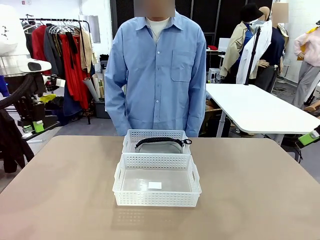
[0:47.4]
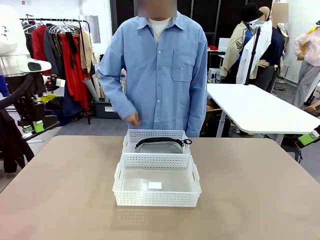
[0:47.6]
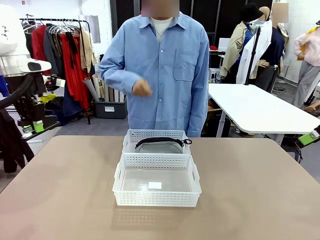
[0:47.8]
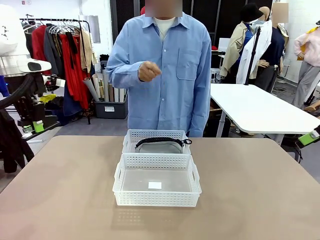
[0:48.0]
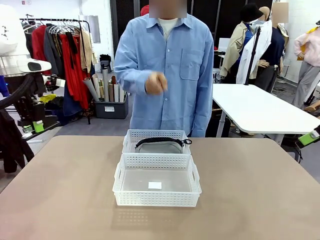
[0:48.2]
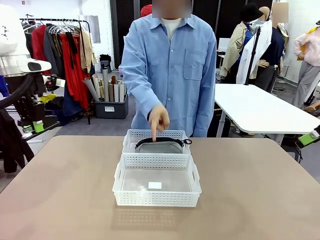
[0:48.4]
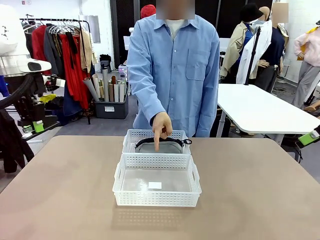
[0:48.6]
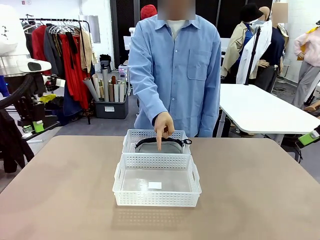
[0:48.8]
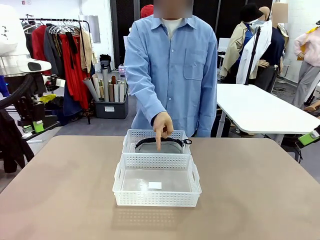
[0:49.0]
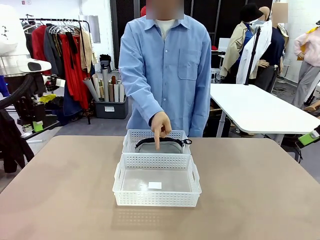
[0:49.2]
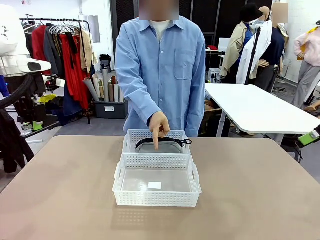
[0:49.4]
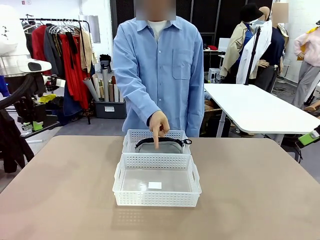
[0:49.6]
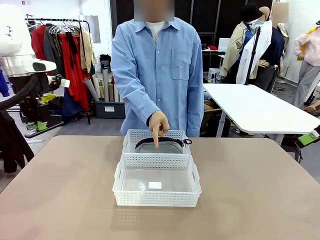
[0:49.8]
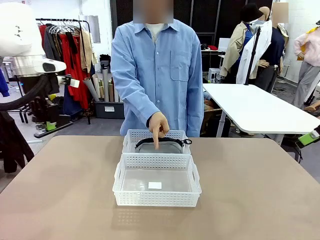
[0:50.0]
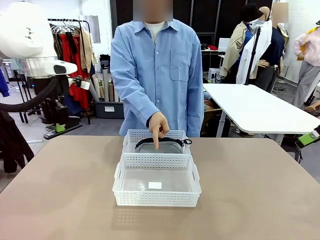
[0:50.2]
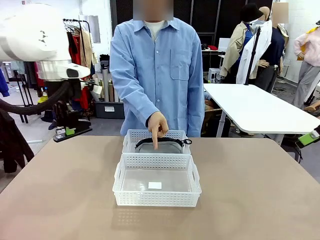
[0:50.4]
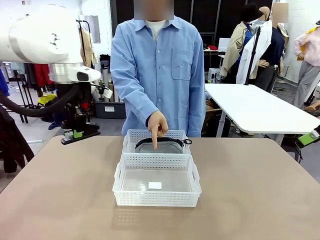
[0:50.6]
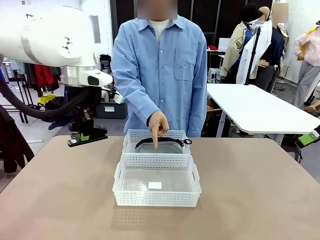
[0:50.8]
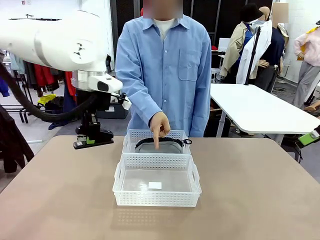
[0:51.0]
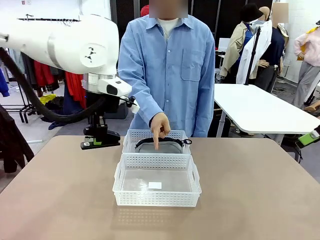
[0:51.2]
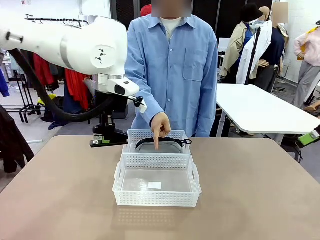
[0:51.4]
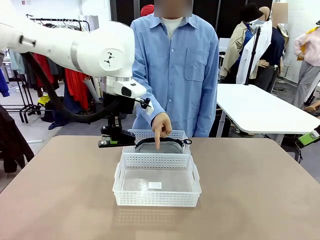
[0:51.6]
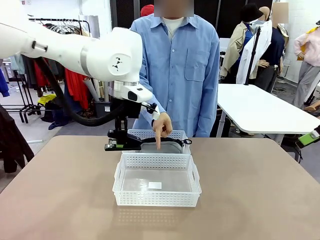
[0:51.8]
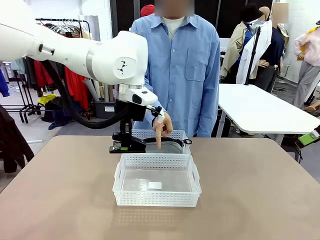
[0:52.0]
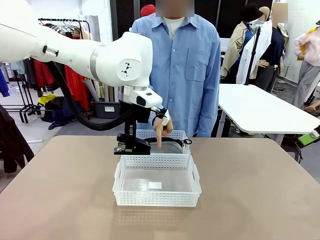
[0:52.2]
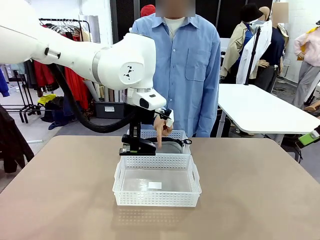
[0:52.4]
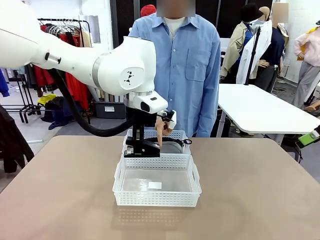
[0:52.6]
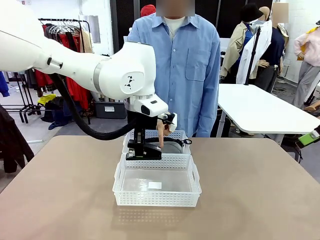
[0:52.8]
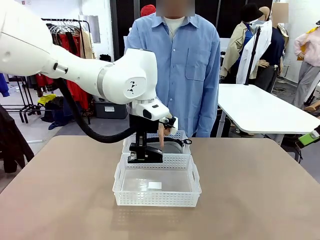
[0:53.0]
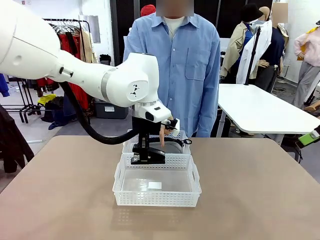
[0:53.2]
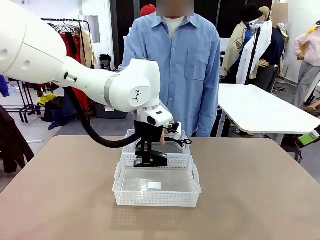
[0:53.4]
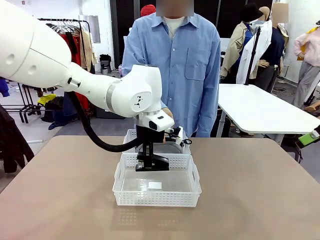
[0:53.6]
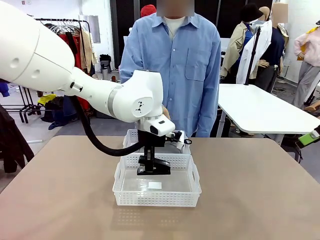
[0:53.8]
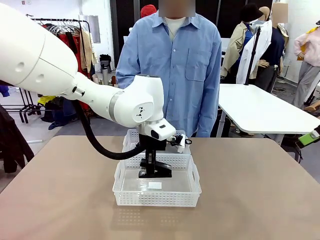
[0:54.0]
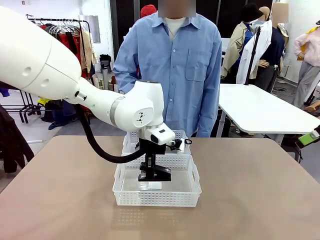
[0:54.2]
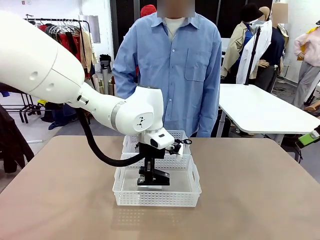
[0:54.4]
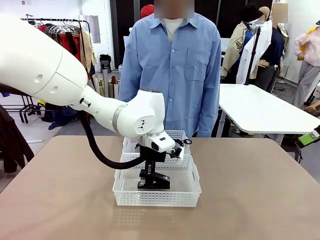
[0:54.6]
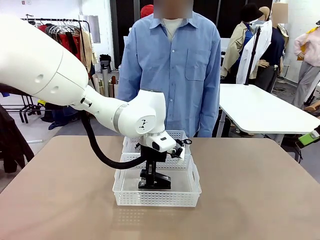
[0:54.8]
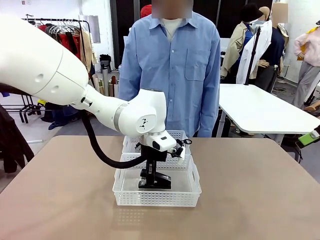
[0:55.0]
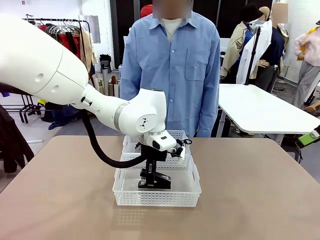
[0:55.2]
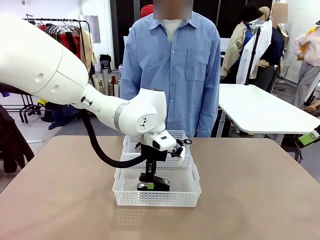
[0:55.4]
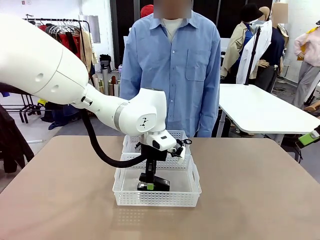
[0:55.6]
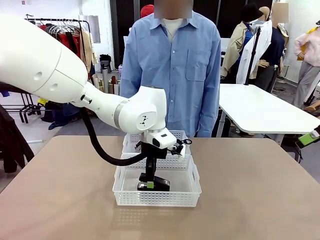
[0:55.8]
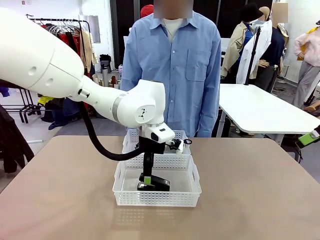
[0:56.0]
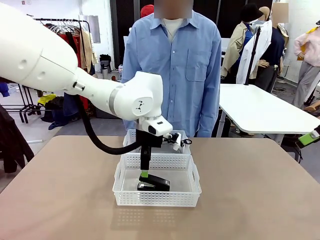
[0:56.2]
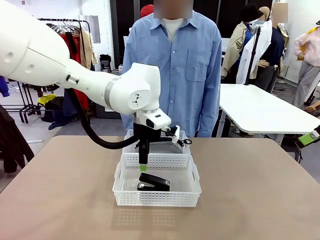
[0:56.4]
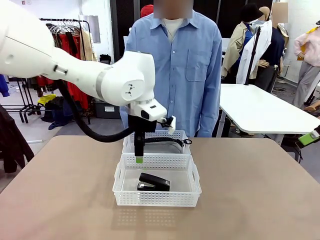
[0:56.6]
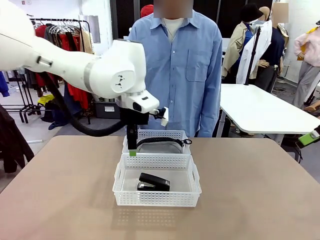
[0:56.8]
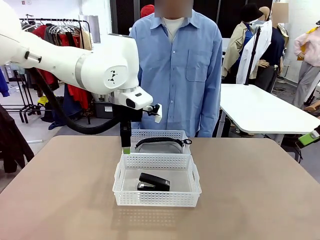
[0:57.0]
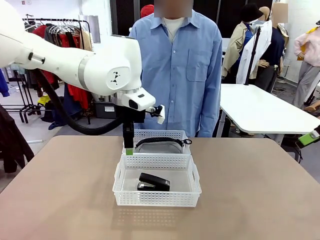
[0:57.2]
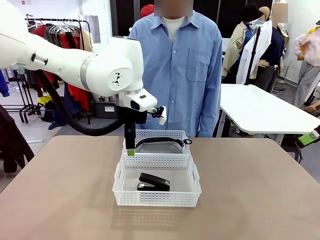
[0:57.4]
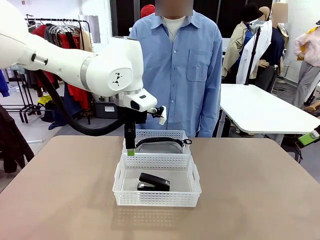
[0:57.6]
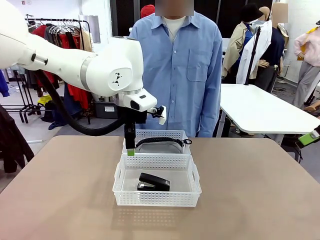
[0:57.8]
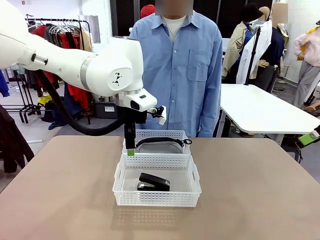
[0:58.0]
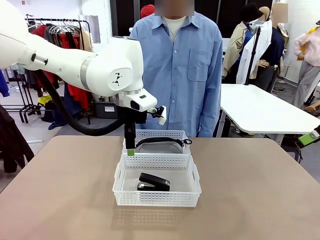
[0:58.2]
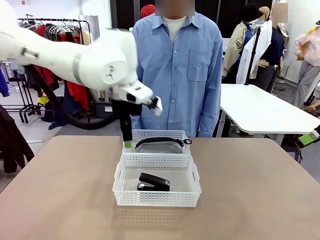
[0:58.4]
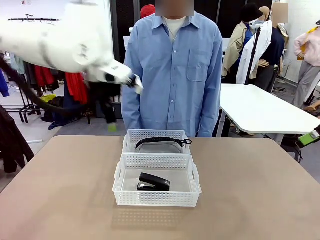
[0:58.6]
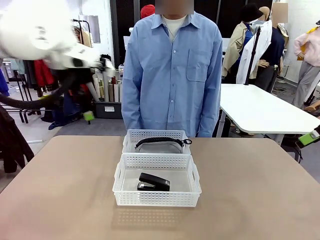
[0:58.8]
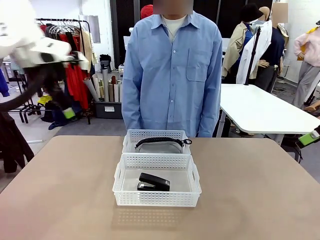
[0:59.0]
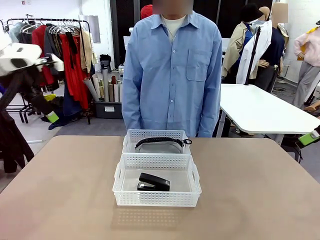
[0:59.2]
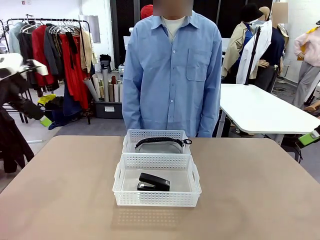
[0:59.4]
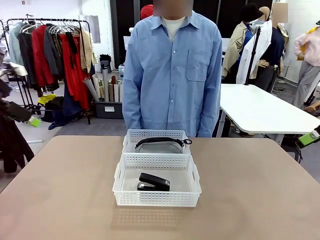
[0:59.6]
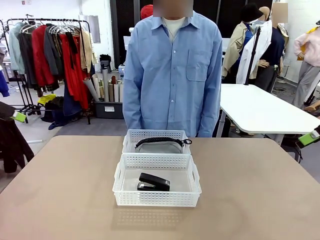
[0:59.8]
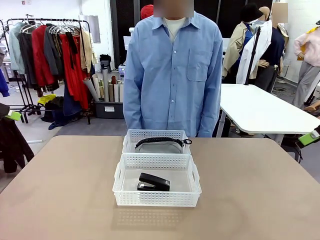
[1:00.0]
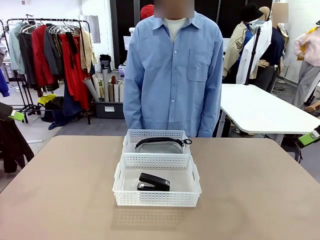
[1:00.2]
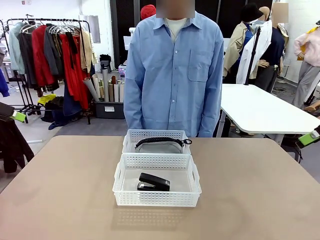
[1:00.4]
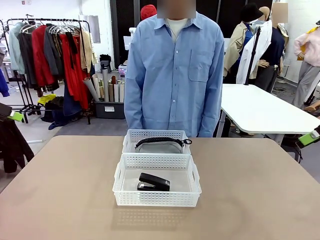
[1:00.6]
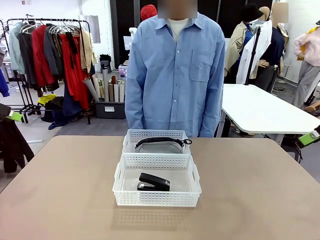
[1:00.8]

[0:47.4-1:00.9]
Task: Distribute items into two baskets.
Robot: Place the picked Stapler into the Organizing basket as instructed by the person.
Person: Points to the basket that does not contain the pencil case and instructs the robot to move the stapler there.
